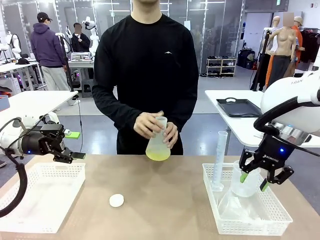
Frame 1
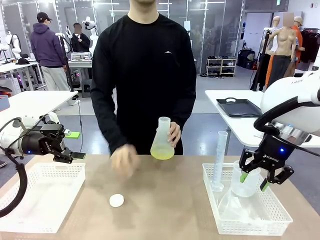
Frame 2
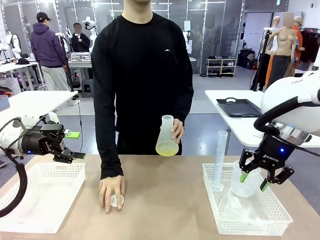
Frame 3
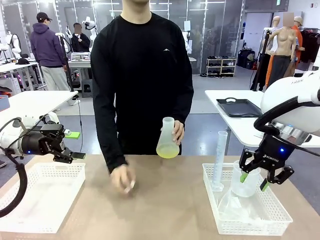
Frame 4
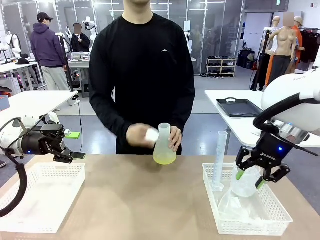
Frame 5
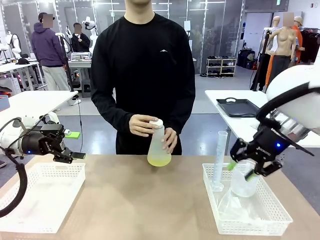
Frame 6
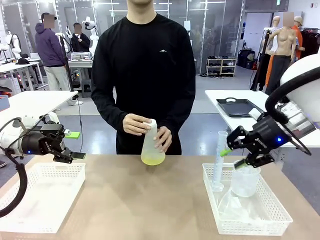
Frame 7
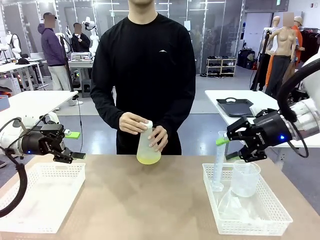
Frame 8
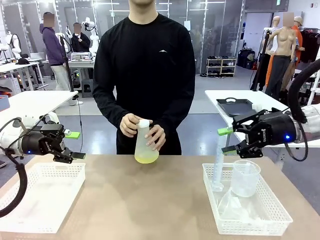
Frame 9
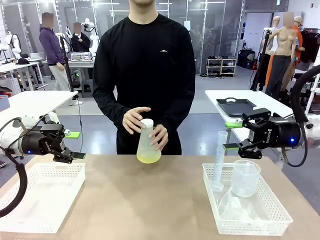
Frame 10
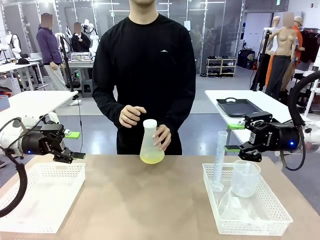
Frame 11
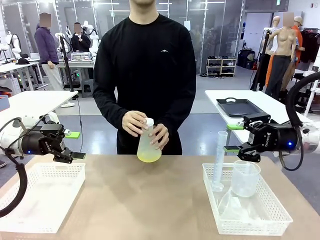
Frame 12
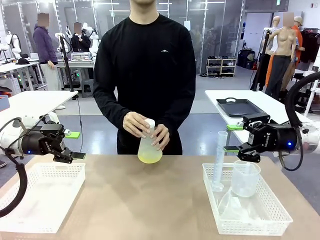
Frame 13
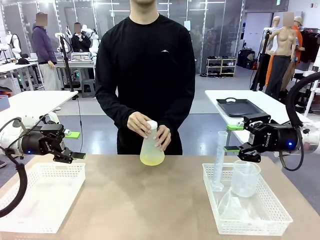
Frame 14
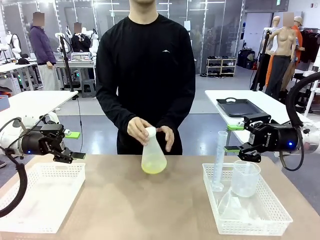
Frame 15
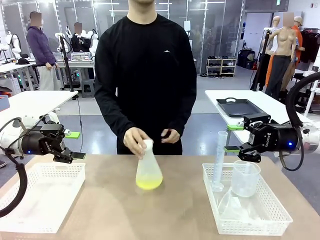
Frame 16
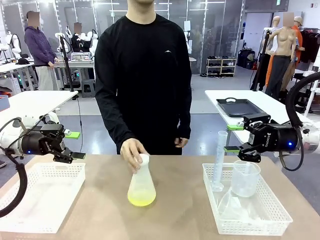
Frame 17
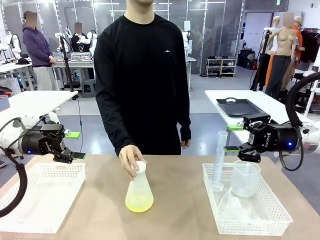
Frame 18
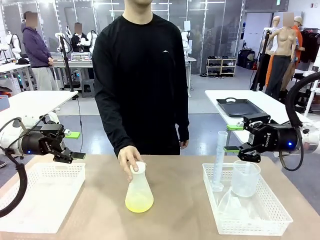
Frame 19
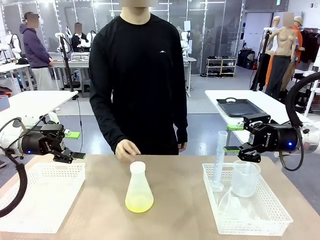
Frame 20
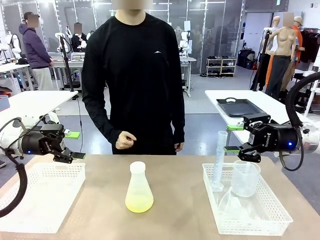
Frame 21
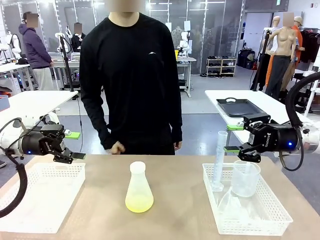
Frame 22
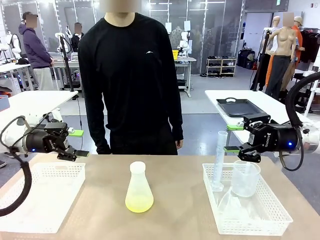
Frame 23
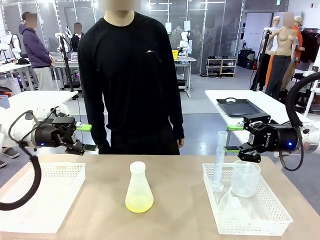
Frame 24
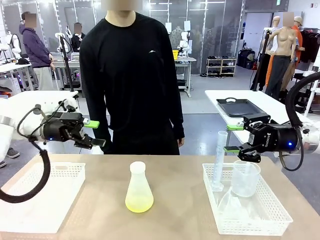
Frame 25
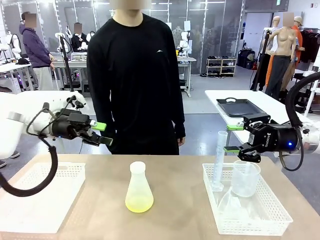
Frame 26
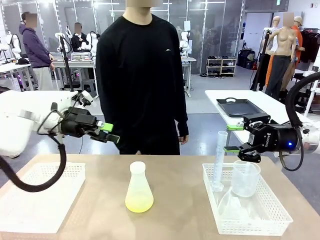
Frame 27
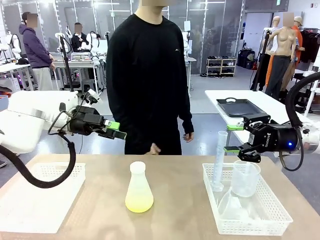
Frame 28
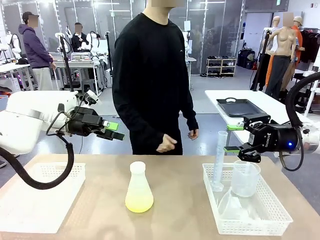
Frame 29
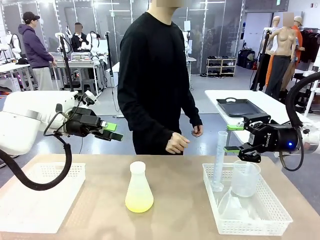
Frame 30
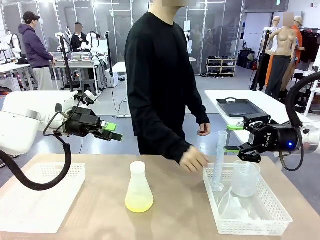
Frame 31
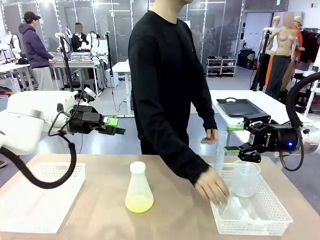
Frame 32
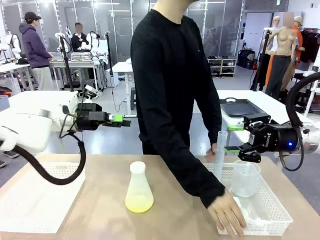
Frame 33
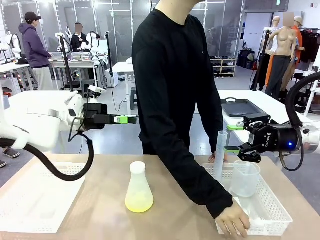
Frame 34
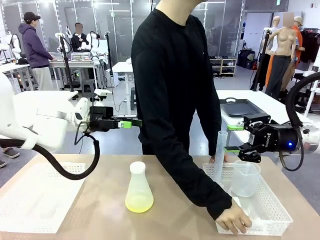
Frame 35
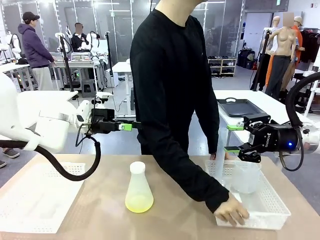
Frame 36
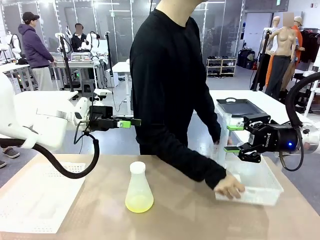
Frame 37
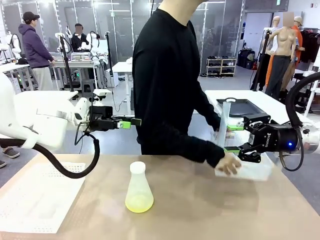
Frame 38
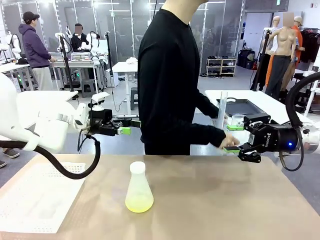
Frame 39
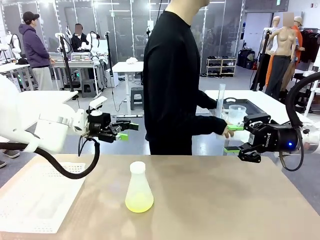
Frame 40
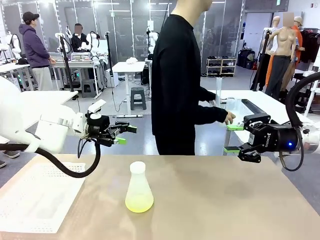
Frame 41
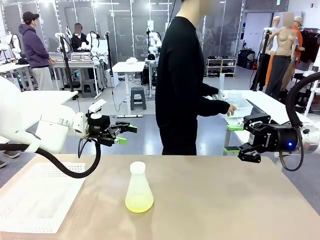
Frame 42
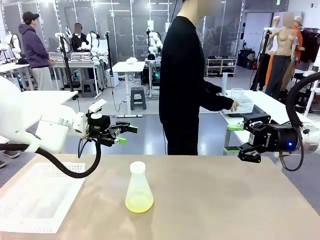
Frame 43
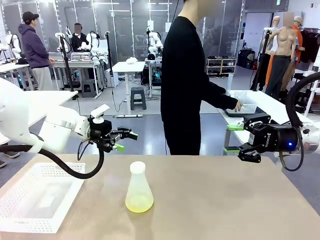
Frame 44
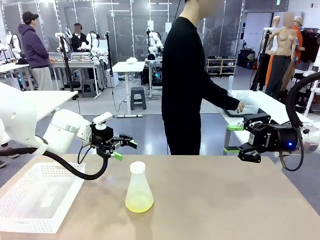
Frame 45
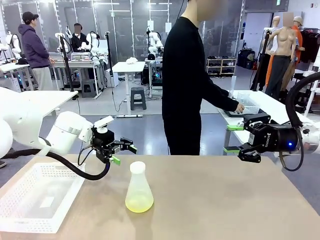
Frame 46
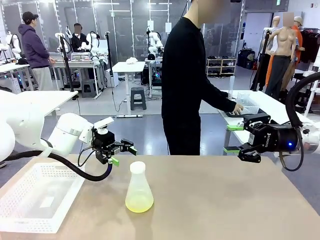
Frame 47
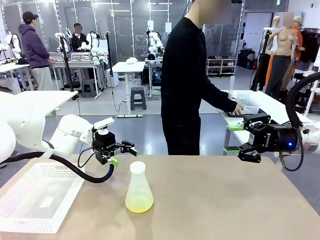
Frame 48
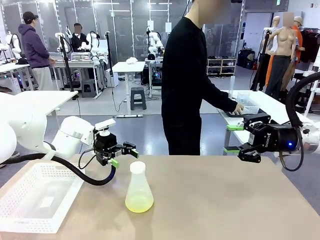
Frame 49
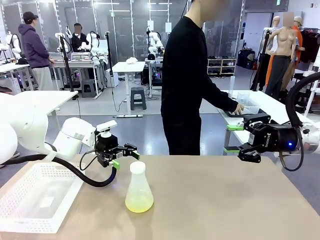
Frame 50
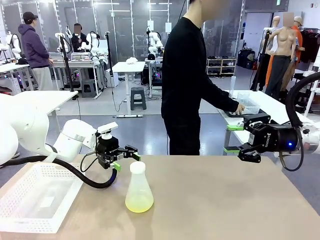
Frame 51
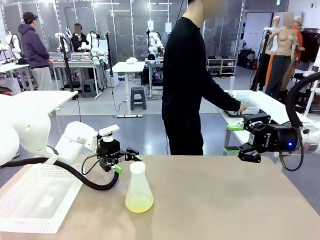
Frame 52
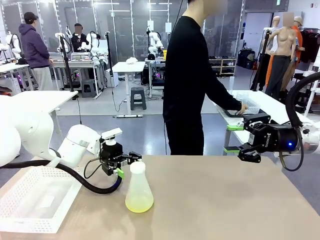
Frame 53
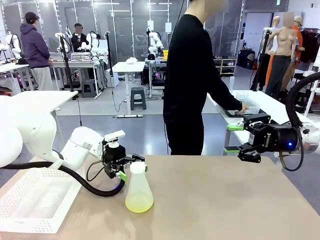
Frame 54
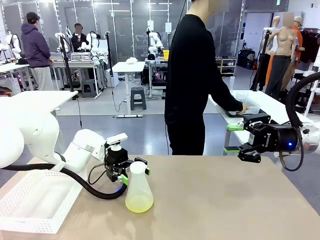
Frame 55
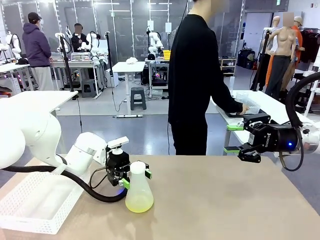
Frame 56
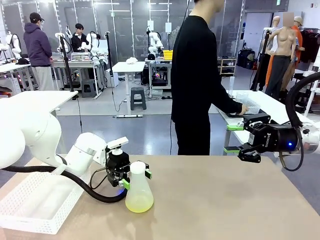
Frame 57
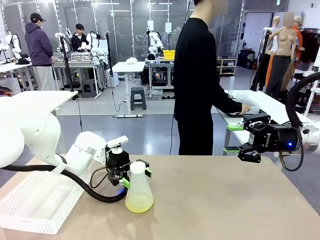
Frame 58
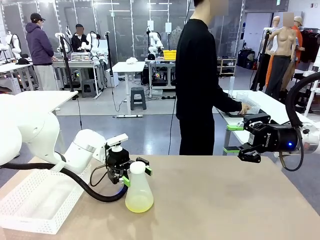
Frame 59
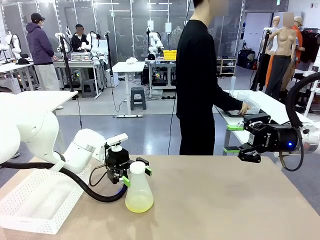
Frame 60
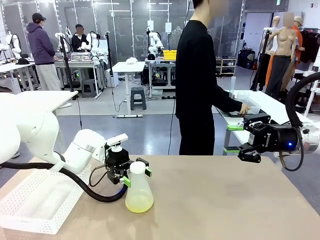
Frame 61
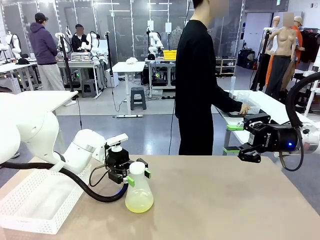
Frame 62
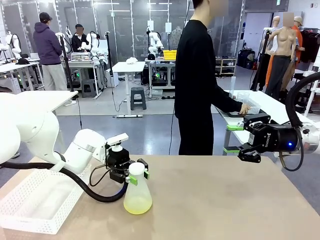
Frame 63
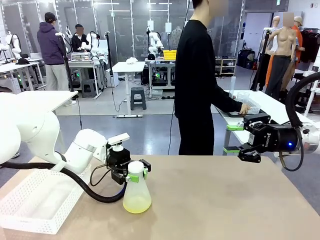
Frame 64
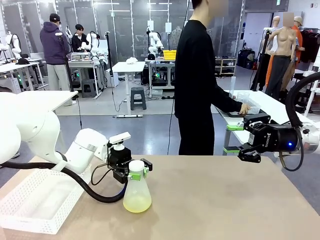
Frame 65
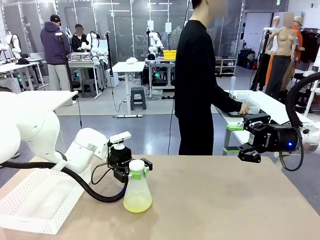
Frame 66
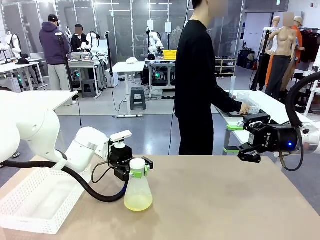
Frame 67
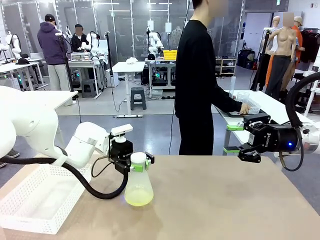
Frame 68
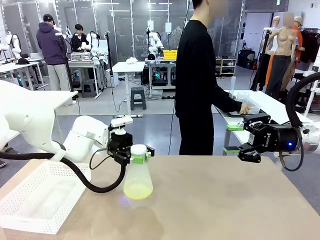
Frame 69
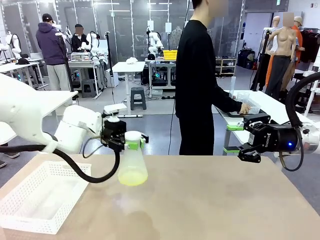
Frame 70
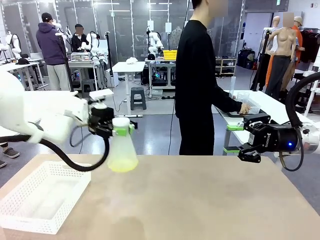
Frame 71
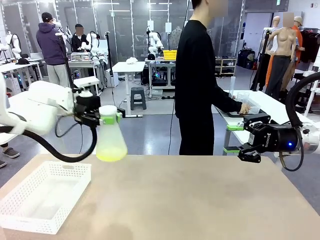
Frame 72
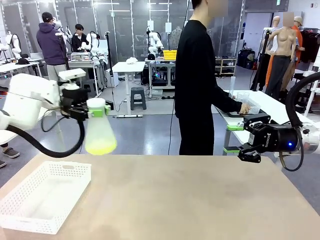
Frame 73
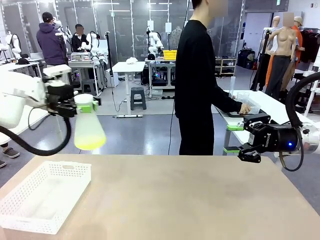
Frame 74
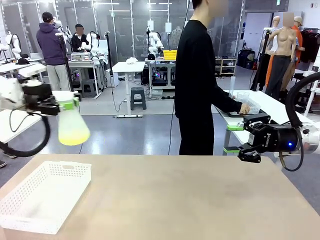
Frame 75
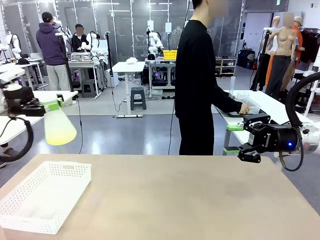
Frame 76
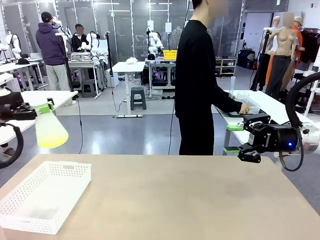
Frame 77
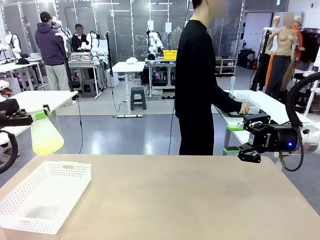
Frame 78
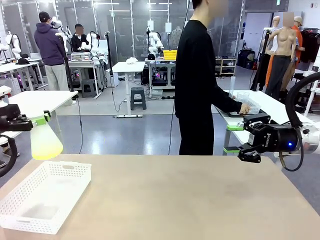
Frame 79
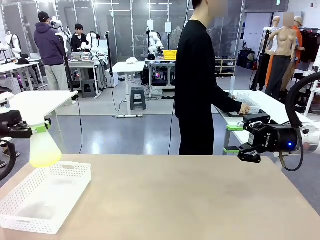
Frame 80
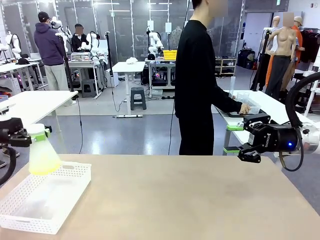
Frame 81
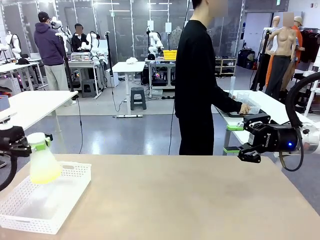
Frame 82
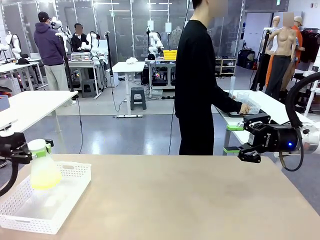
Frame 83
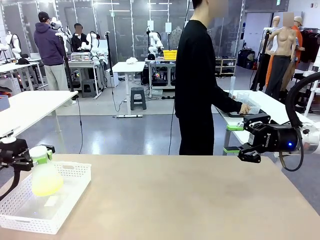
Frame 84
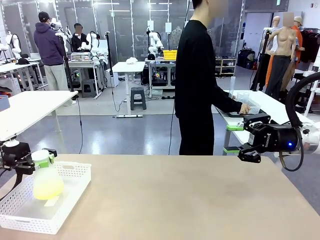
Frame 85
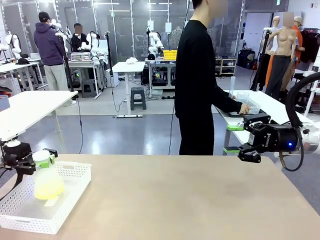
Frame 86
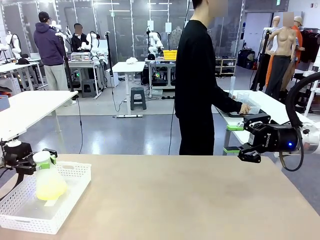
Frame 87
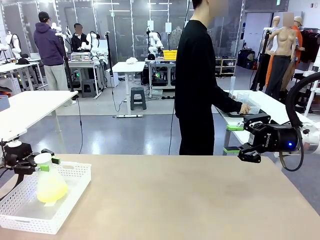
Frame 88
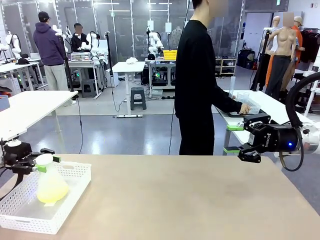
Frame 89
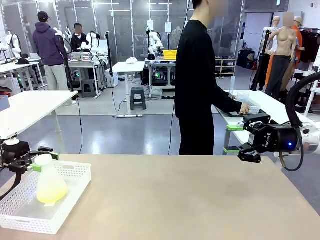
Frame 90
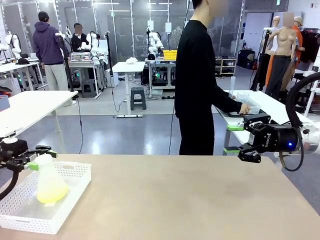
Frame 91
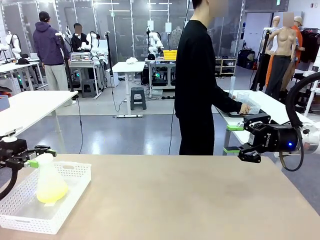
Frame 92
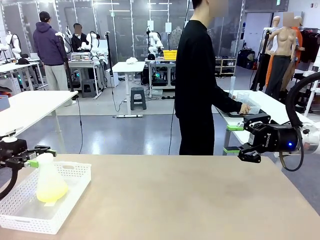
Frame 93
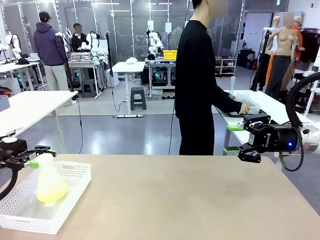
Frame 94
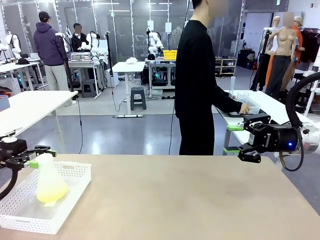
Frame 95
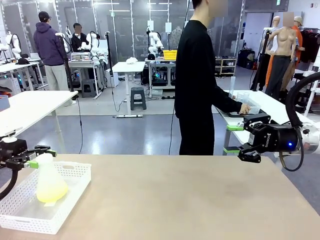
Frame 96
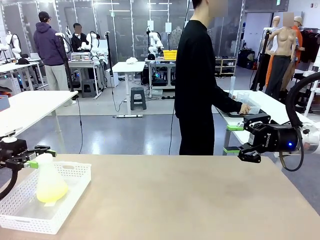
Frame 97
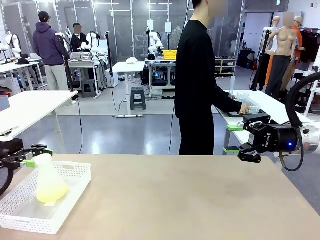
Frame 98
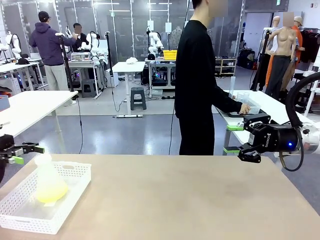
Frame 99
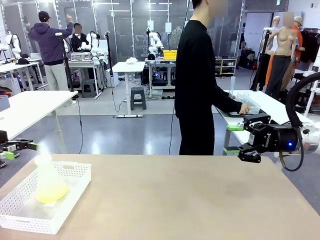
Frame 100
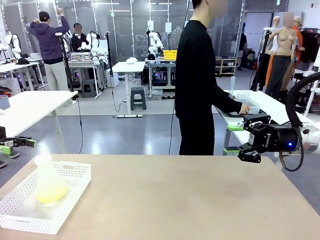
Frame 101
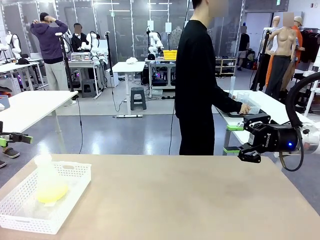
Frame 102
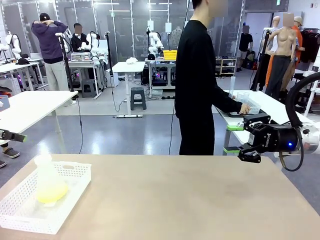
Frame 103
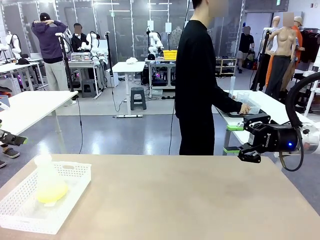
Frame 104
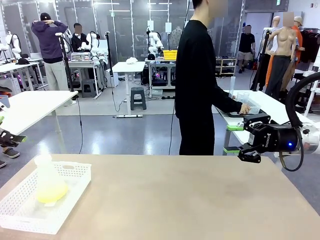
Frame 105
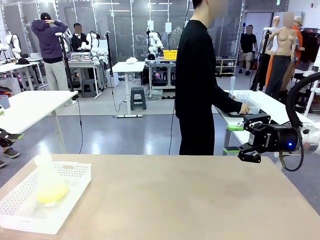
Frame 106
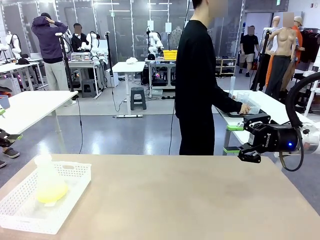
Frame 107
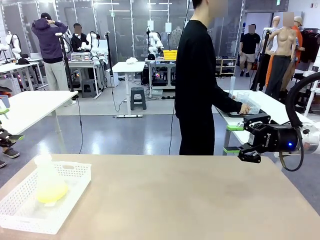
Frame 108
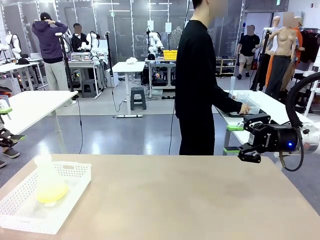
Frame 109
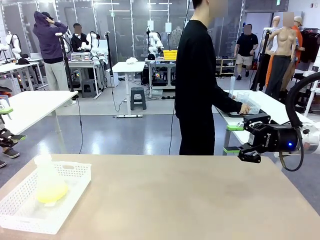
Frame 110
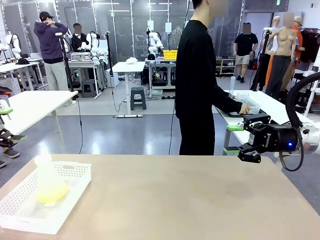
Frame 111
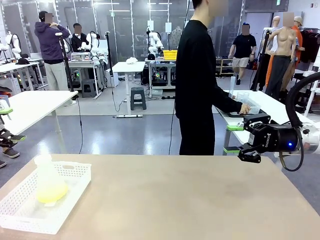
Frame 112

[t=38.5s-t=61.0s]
Task: Prepare the solutions needed for the experiment.
Robot: When the human places the Big flask in the center of the table, pick up the Big flask and place it in the left Organizing basket.
Person: Pick up the organizing basket on the left side of the robot table and place it on the left side of the human table.
